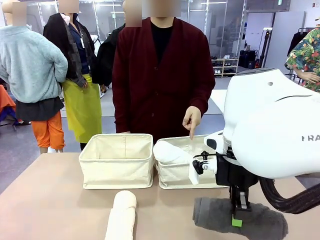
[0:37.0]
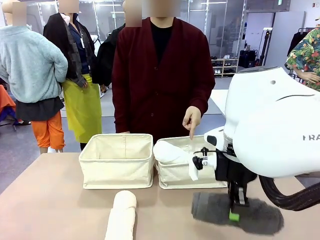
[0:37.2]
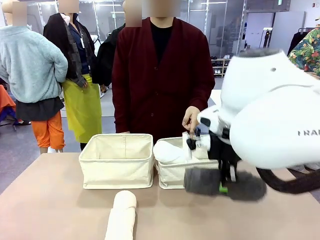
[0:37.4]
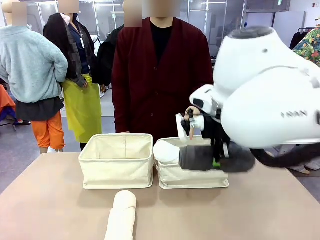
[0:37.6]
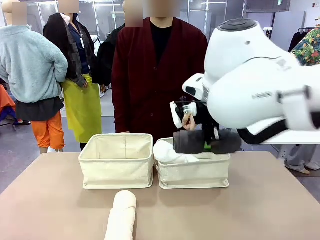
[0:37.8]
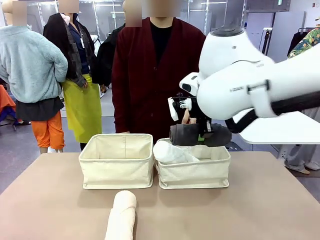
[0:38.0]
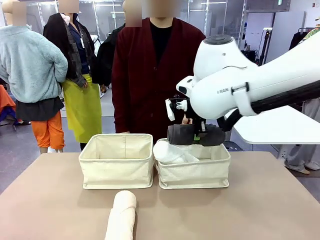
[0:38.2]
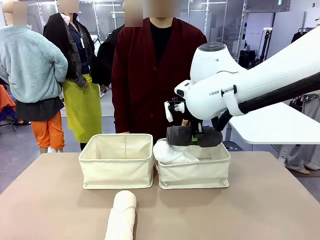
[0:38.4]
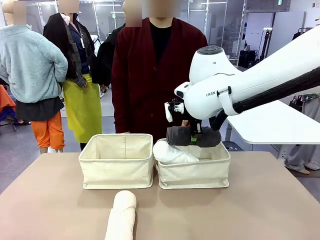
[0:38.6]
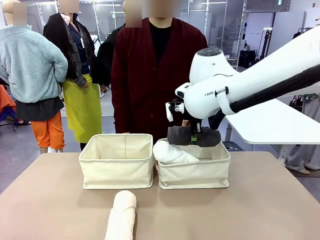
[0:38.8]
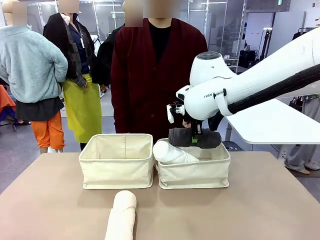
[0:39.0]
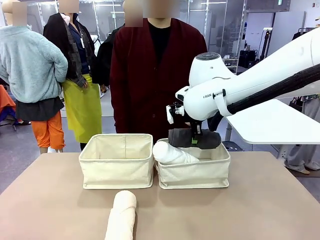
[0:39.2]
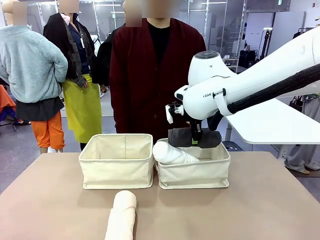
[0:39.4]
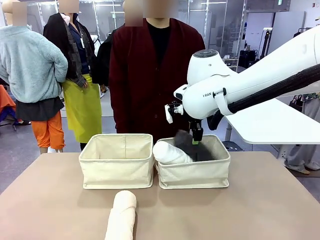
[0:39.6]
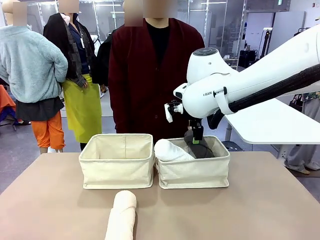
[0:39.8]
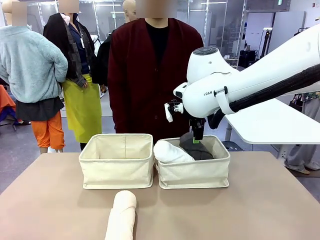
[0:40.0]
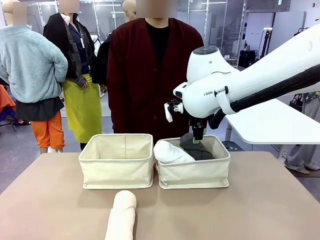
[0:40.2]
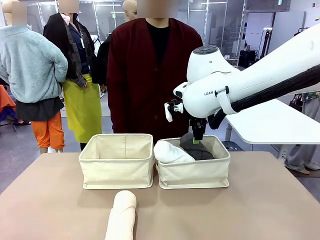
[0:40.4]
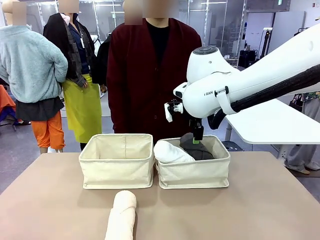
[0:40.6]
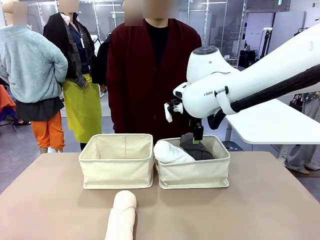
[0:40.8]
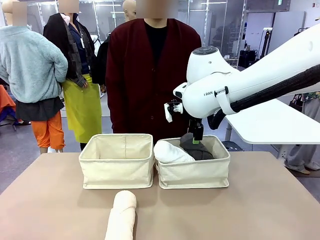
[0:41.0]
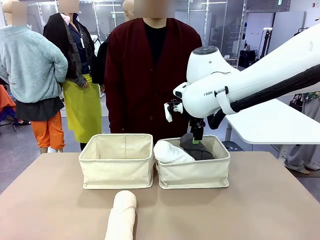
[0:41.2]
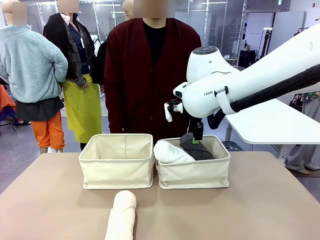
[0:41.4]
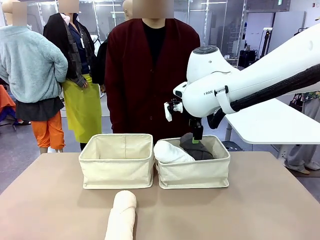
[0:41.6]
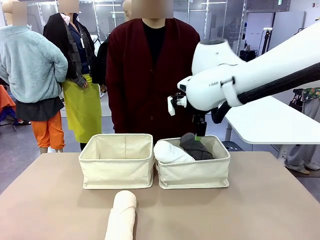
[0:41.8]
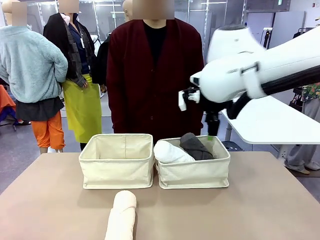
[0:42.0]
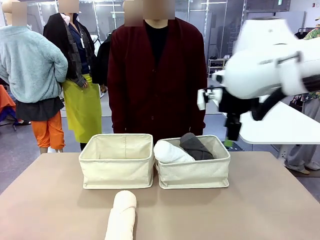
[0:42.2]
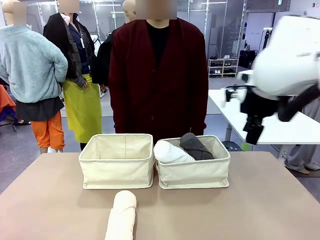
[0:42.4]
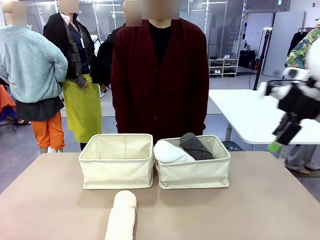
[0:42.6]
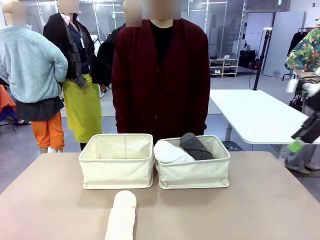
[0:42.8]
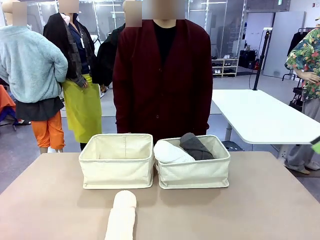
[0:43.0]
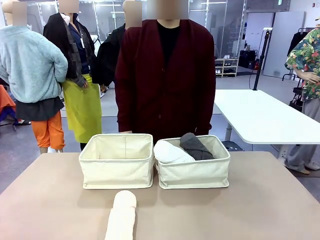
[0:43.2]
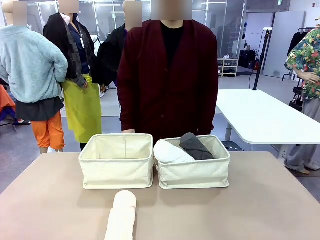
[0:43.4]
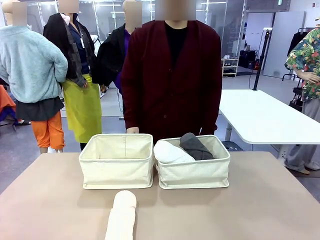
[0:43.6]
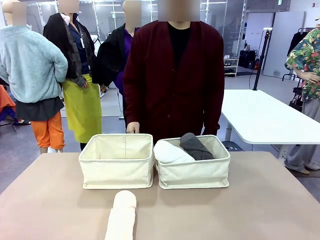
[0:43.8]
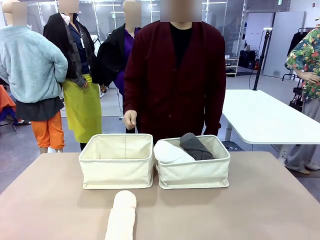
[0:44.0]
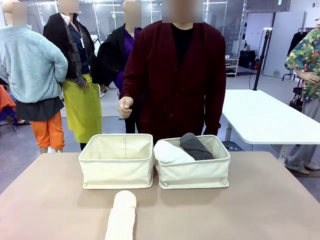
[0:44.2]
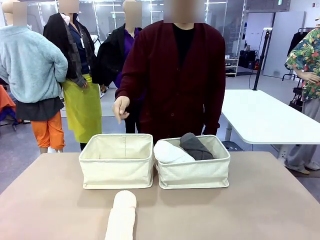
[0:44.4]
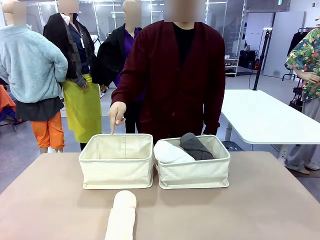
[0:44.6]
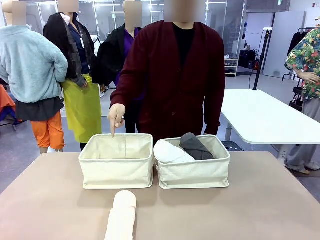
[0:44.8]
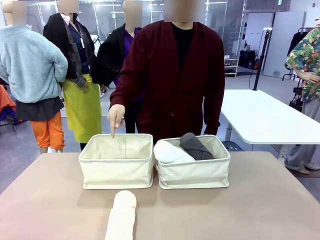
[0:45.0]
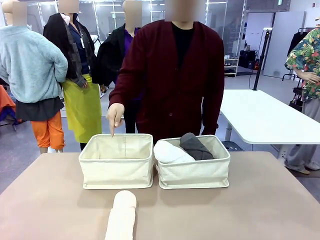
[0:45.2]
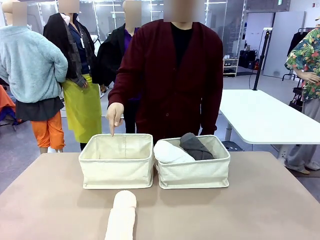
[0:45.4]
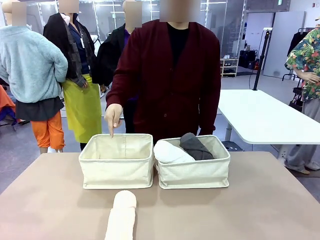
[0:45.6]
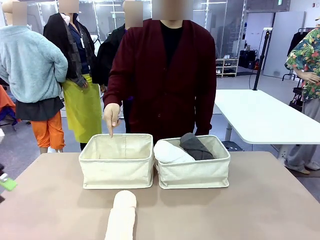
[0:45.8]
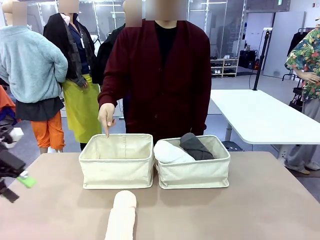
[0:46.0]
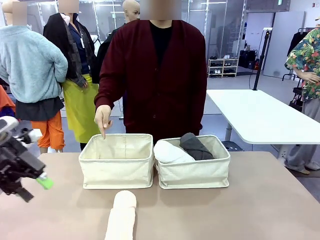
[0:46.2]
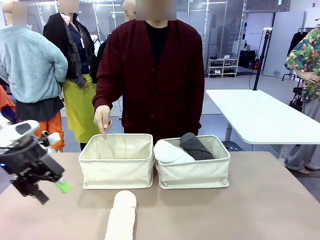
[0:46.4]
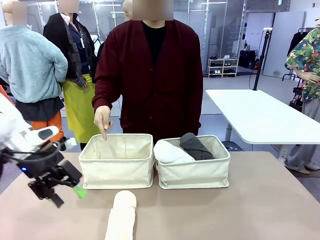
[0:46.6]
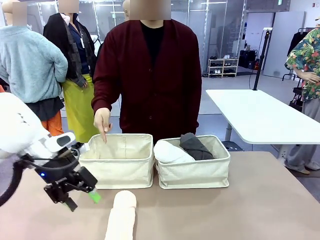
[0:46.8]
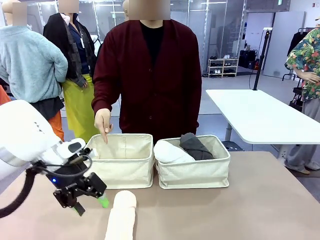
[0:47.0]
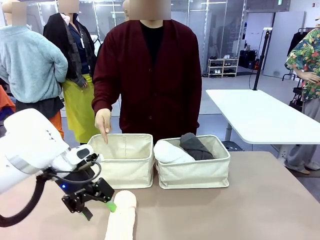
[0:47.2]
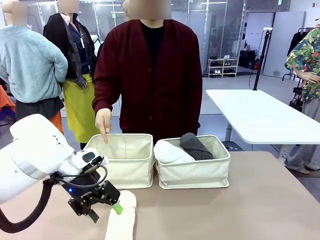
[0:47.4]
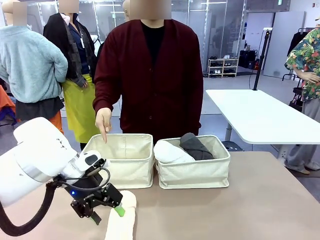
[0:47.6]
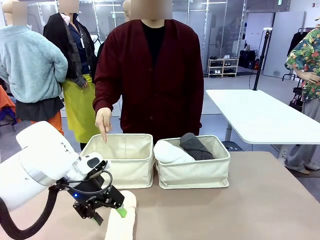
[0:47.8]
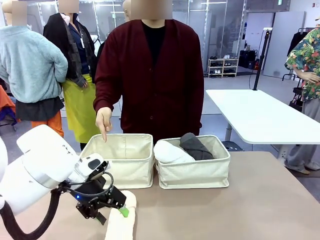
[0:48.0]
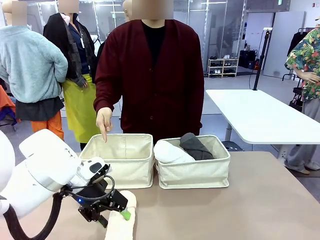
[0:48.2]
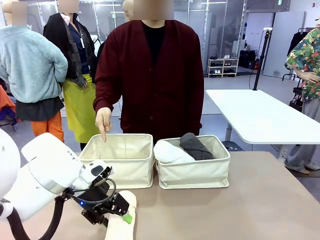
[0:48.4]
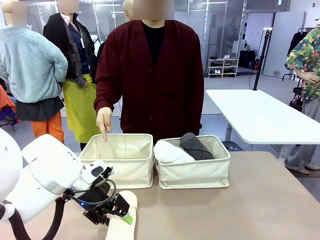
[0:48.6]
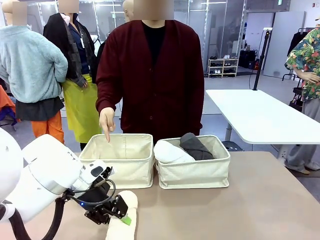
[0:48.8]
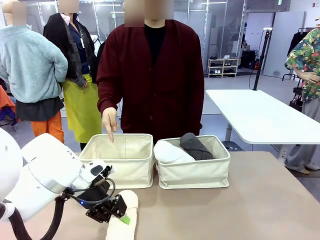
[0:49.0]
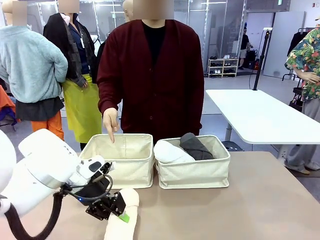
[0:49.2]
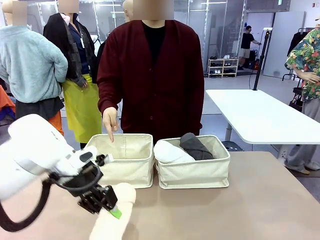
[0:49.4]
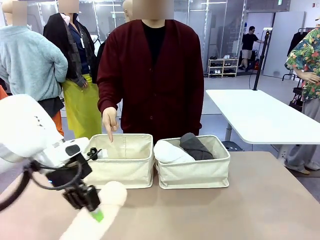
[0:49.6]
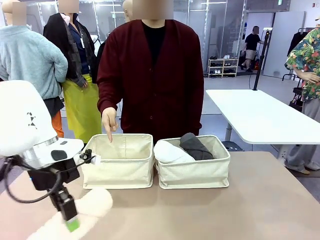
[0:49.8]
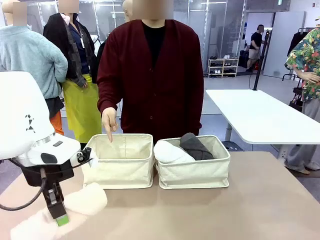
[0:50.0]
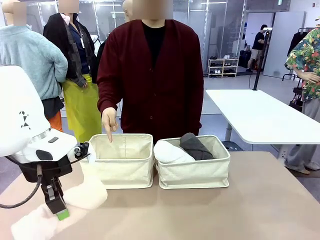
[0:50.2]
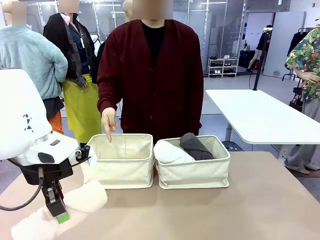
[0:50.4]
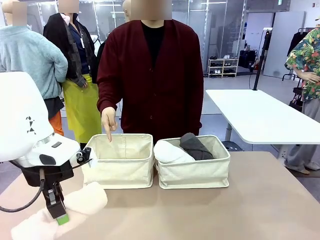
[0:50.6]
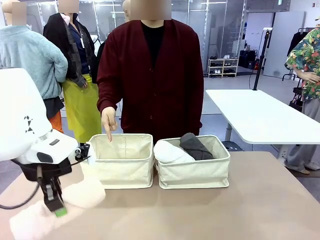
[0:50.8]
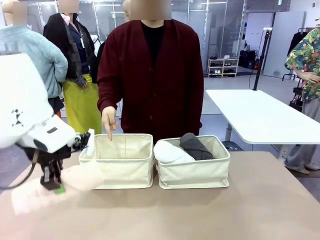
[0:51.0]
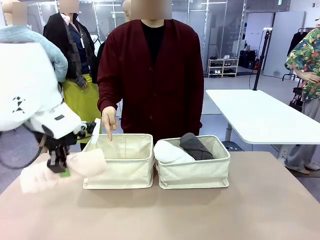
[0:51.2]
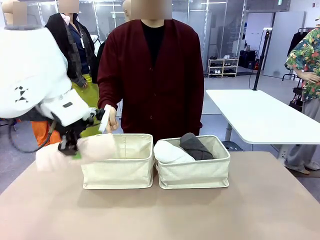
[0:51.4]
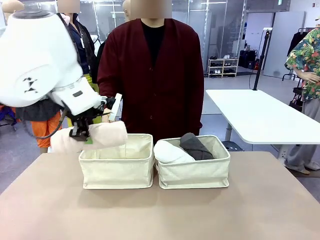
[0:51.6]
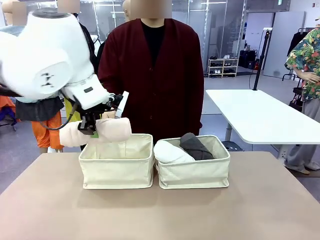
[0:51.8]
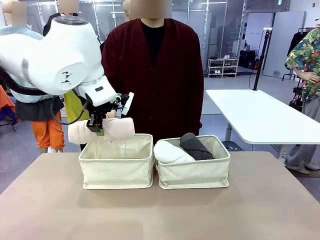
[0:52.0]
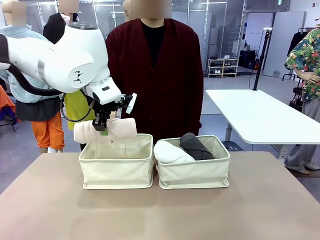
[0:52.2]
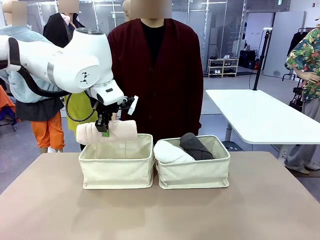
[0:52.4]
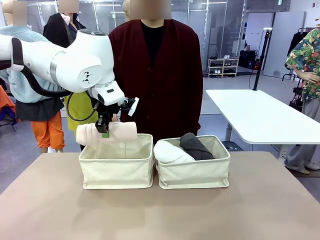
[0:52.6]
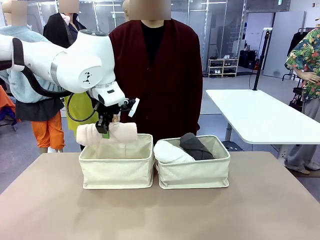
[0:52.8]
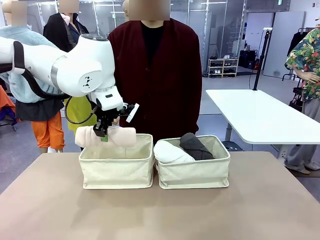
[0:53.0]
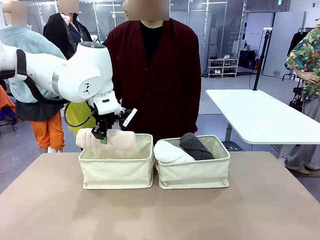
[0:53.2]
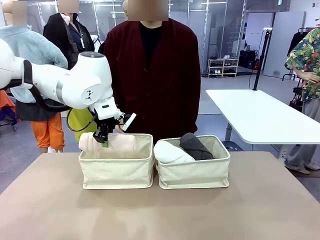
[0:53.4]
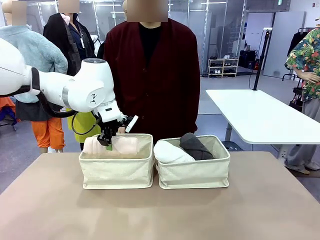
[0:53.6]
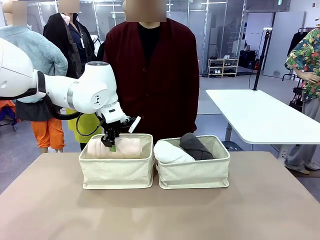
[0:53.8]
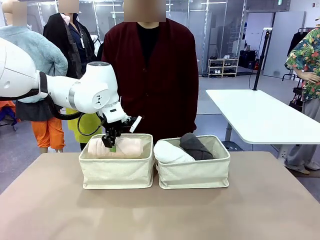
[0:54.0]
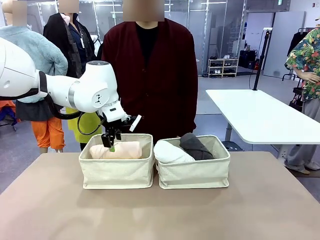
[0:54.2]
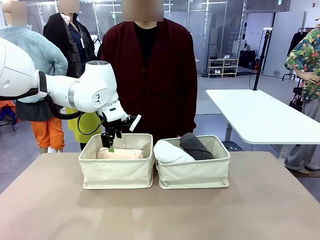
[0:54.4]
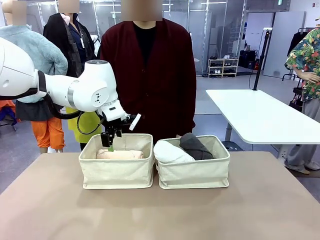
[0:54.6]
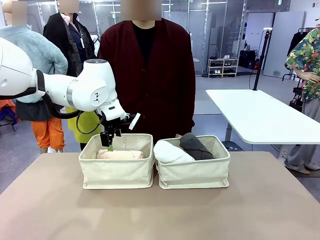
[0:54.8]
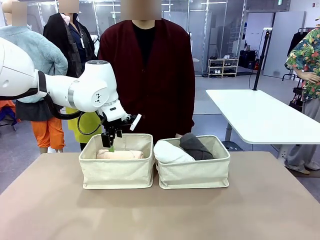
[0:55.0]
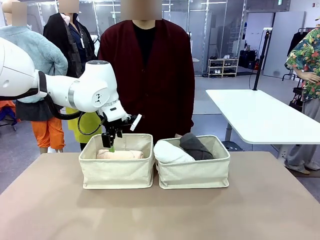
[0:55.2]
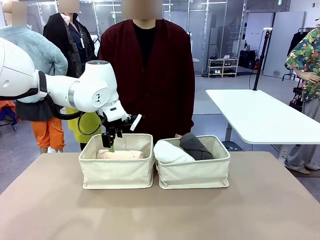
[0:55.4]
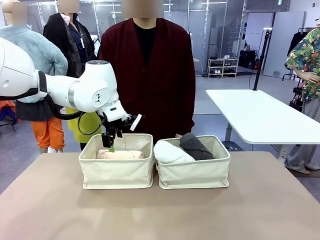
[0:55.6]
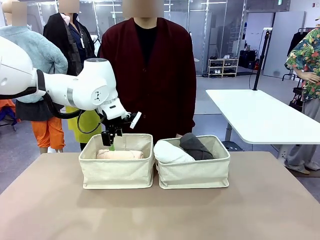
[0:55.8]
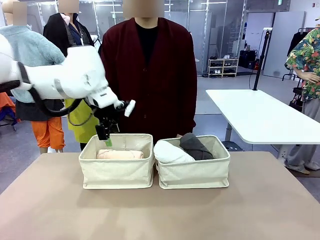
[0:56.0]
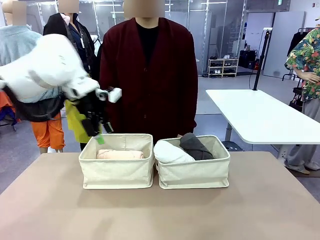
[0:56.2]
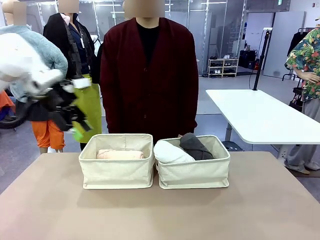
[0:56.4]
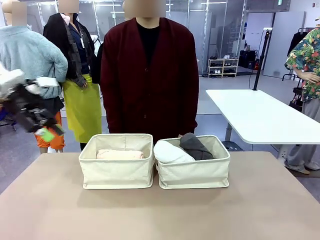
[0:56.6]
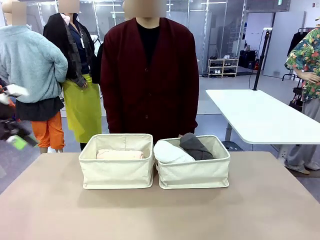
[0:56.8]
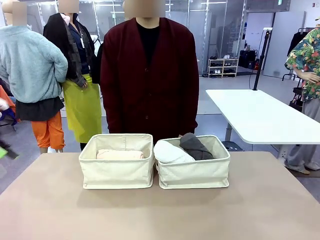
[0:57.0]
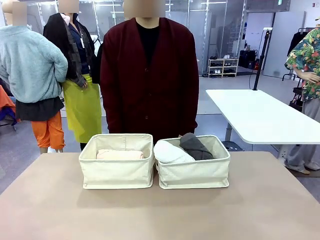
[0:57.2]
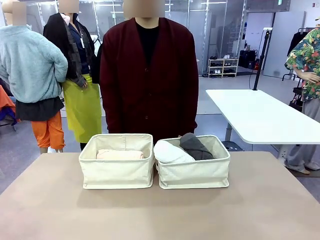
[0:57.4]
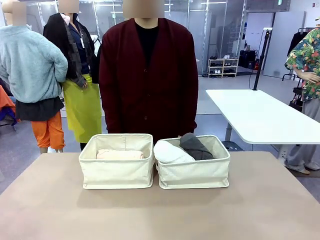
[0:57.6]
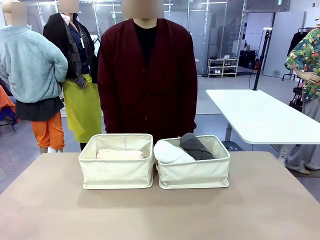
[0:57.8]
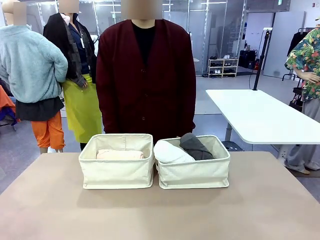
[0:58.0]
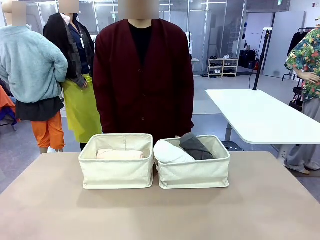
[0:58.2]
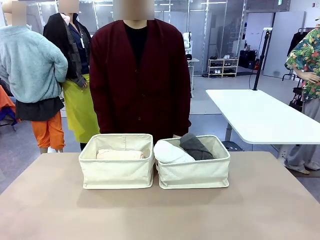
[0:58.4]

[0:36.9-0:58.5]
Task: Divide the towels into two baskets.
Robot: Pick up one hotel-folded towel from the bottom of the table and place it in the Fabric basket indicated by the person.
